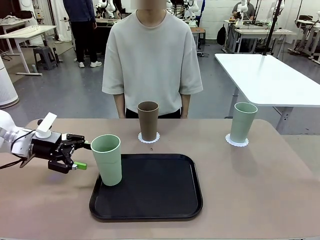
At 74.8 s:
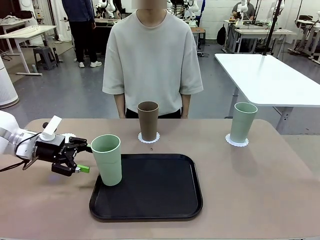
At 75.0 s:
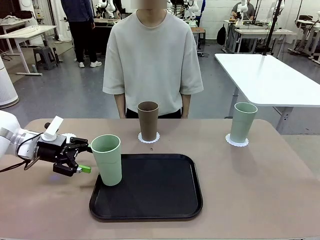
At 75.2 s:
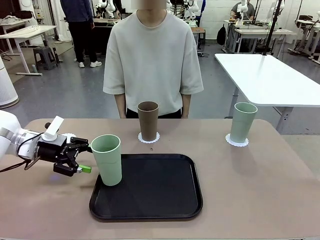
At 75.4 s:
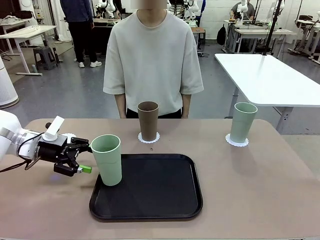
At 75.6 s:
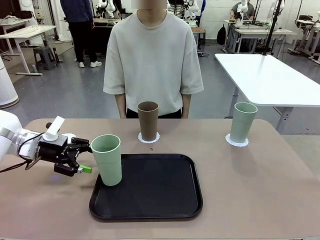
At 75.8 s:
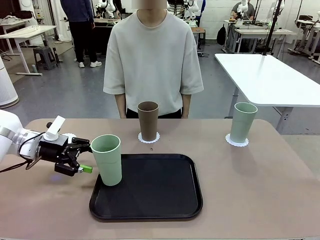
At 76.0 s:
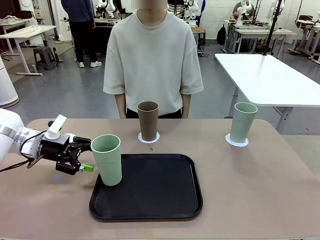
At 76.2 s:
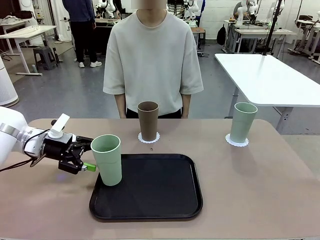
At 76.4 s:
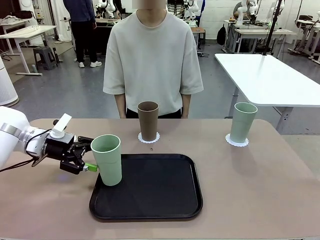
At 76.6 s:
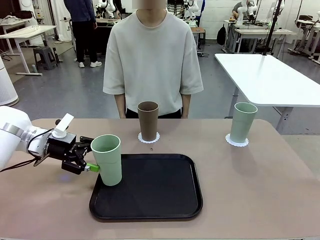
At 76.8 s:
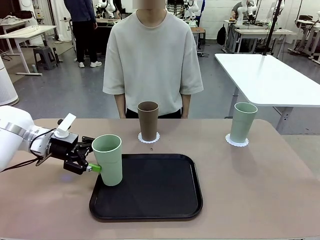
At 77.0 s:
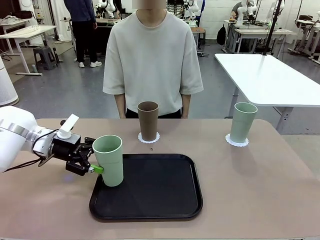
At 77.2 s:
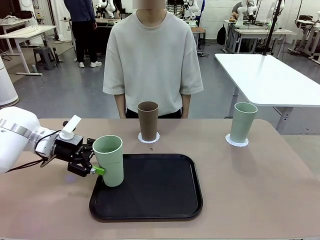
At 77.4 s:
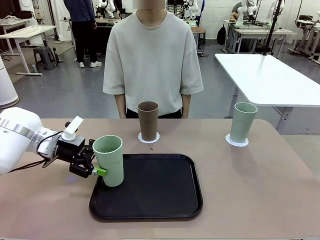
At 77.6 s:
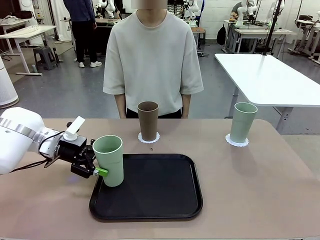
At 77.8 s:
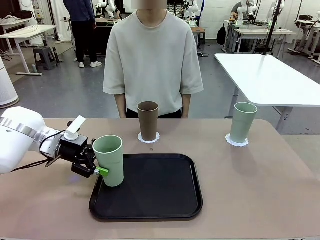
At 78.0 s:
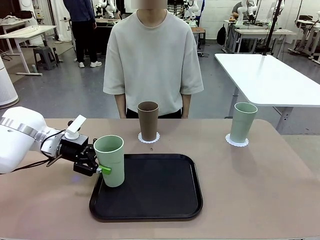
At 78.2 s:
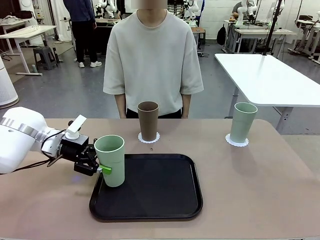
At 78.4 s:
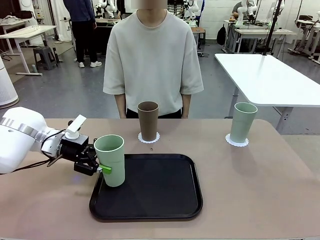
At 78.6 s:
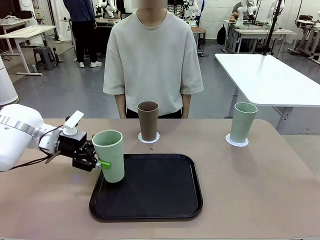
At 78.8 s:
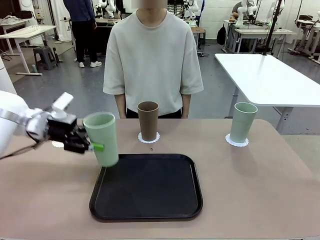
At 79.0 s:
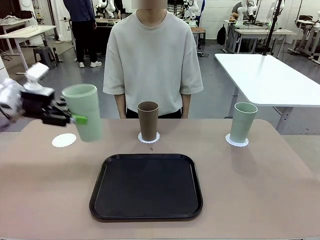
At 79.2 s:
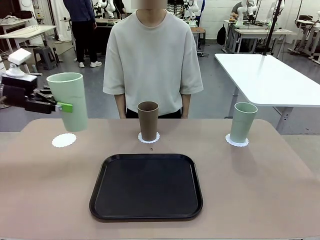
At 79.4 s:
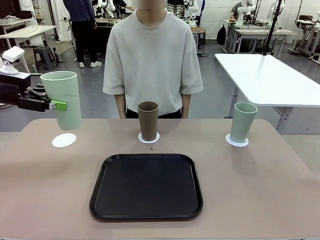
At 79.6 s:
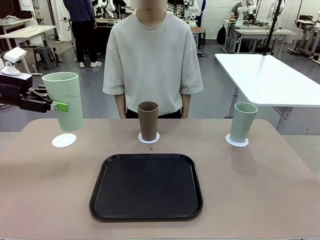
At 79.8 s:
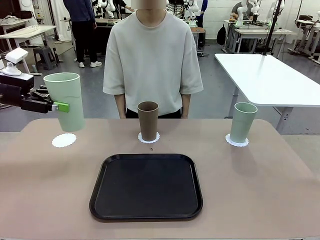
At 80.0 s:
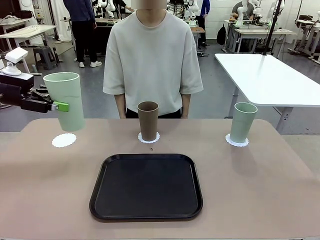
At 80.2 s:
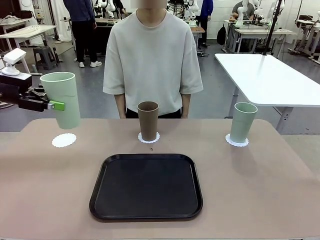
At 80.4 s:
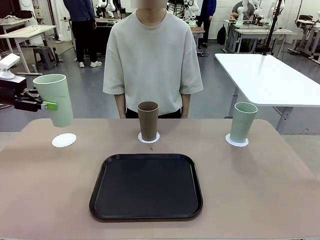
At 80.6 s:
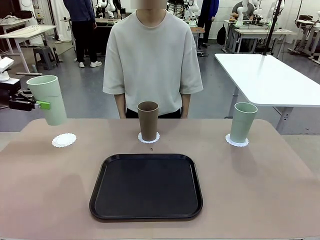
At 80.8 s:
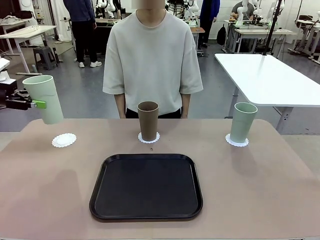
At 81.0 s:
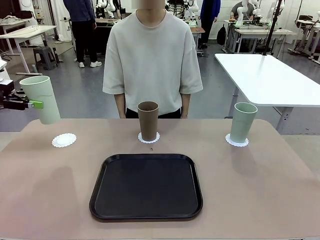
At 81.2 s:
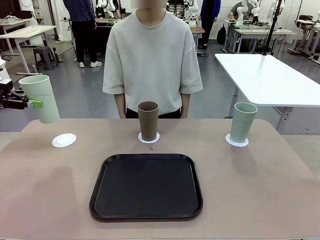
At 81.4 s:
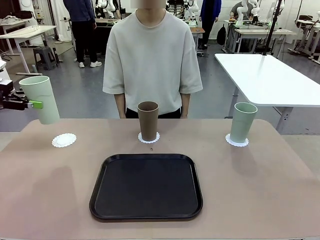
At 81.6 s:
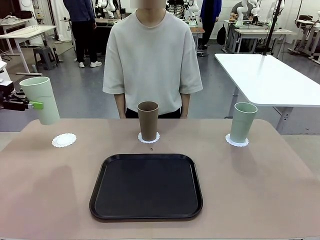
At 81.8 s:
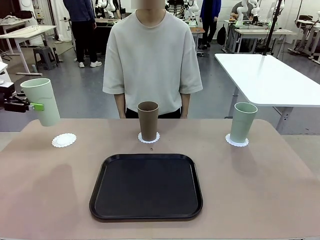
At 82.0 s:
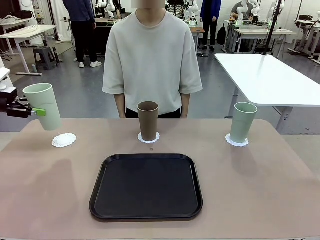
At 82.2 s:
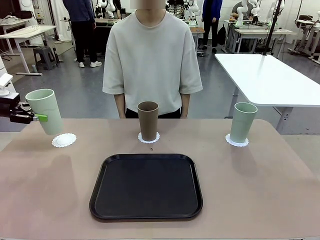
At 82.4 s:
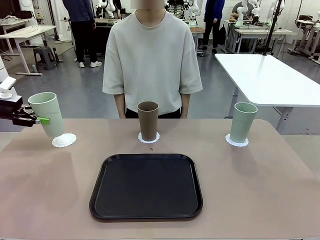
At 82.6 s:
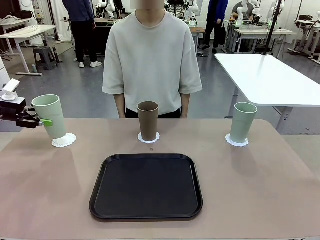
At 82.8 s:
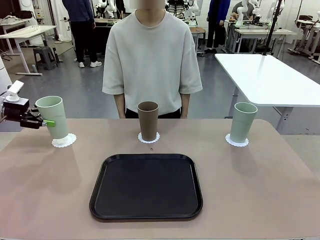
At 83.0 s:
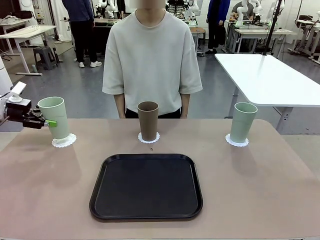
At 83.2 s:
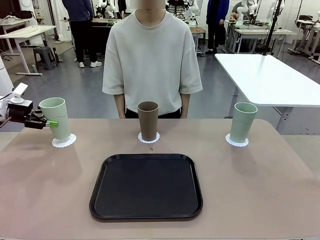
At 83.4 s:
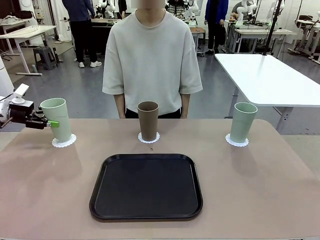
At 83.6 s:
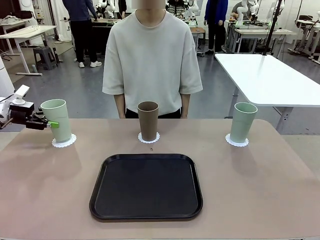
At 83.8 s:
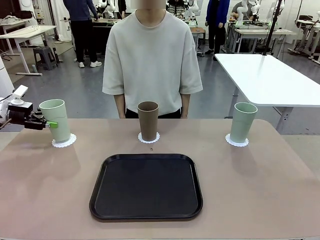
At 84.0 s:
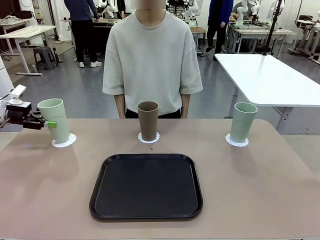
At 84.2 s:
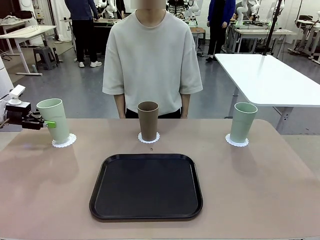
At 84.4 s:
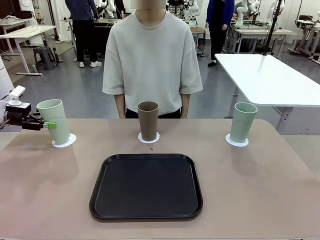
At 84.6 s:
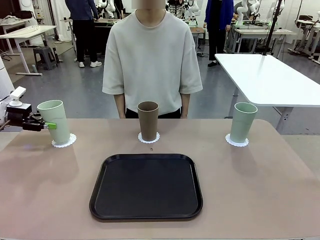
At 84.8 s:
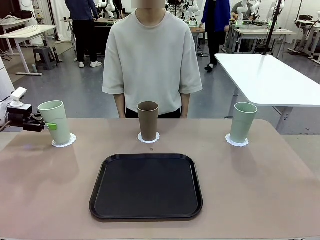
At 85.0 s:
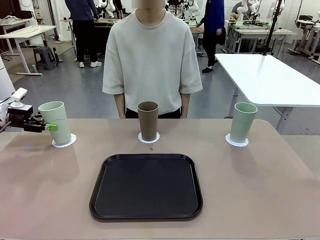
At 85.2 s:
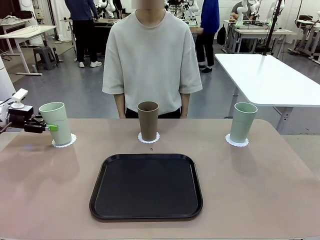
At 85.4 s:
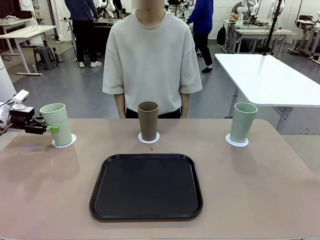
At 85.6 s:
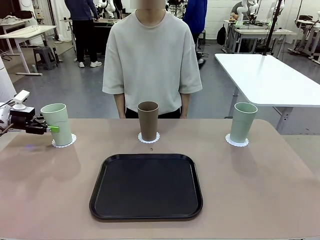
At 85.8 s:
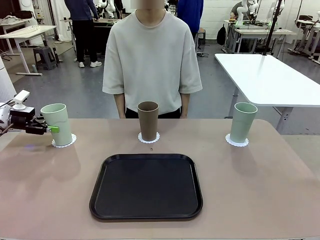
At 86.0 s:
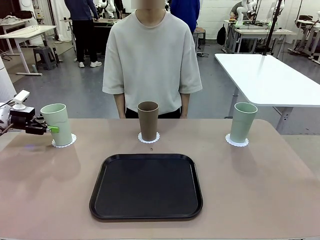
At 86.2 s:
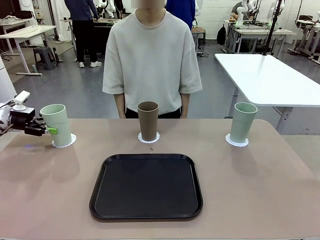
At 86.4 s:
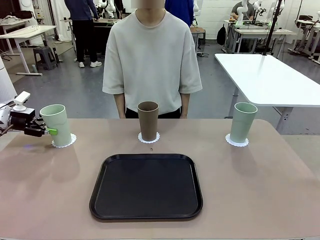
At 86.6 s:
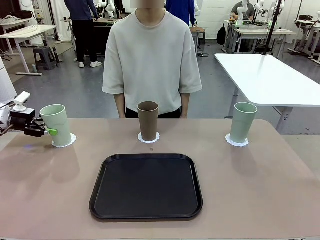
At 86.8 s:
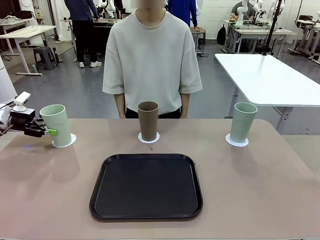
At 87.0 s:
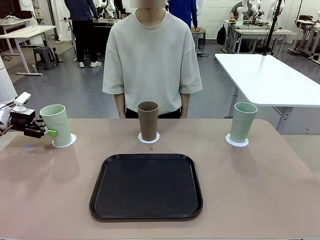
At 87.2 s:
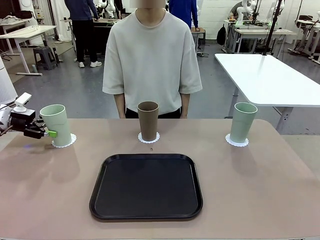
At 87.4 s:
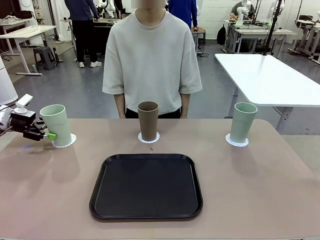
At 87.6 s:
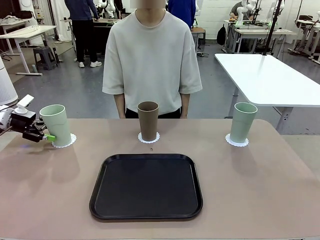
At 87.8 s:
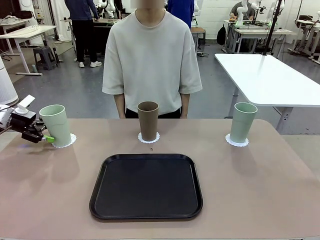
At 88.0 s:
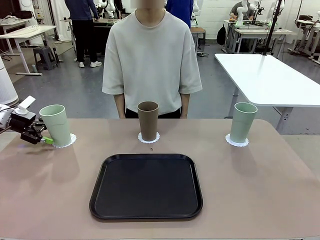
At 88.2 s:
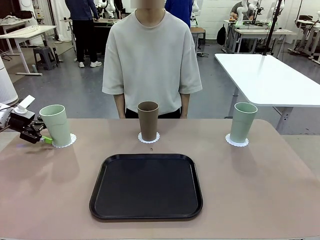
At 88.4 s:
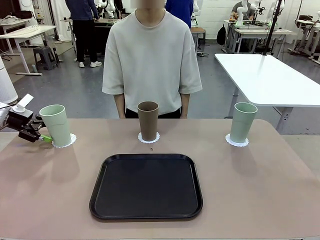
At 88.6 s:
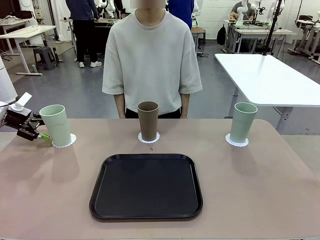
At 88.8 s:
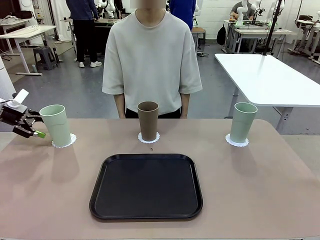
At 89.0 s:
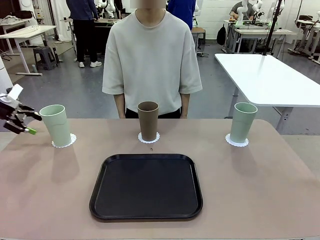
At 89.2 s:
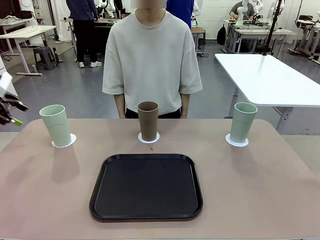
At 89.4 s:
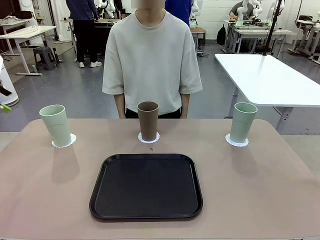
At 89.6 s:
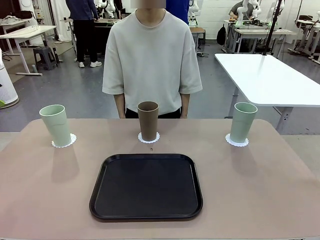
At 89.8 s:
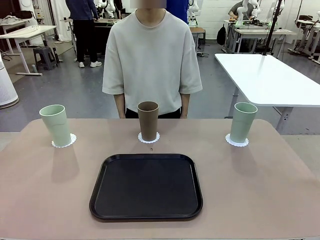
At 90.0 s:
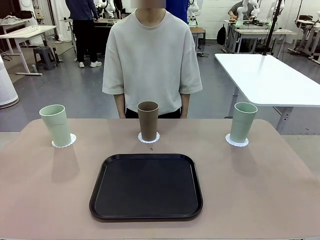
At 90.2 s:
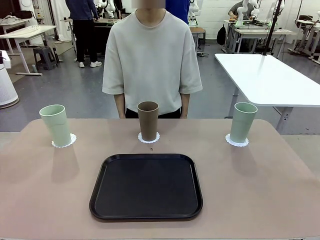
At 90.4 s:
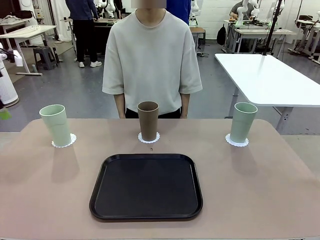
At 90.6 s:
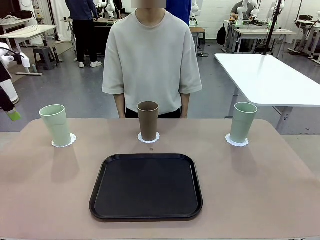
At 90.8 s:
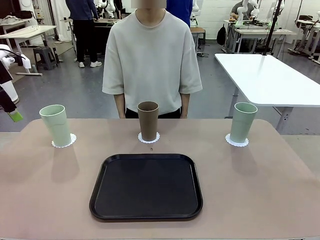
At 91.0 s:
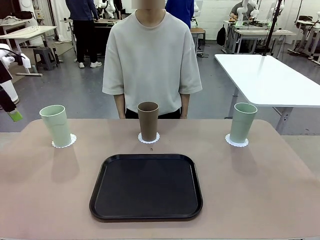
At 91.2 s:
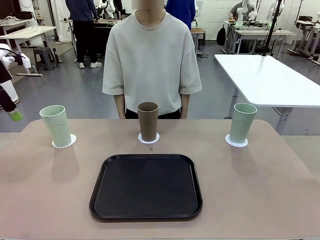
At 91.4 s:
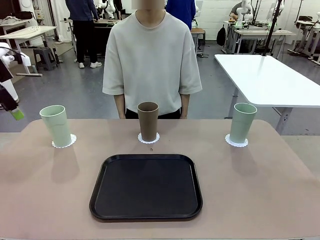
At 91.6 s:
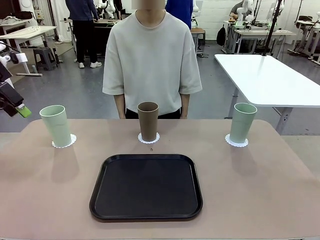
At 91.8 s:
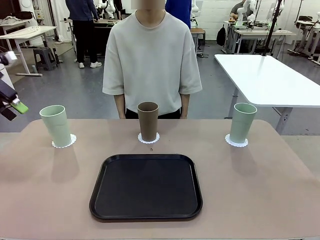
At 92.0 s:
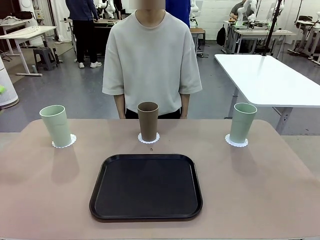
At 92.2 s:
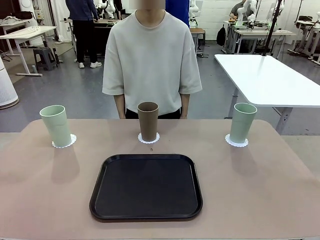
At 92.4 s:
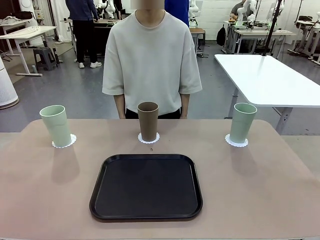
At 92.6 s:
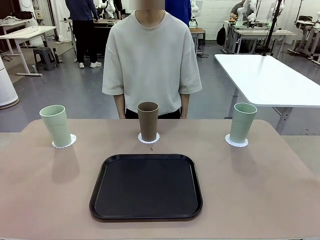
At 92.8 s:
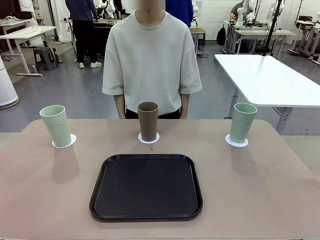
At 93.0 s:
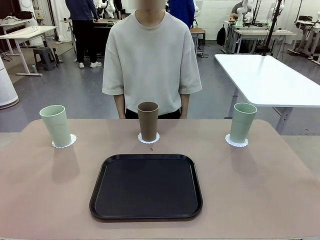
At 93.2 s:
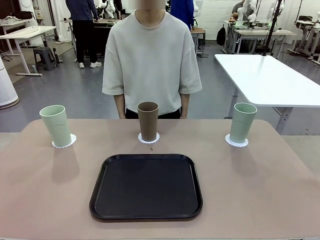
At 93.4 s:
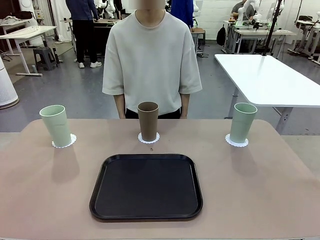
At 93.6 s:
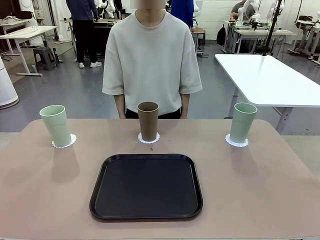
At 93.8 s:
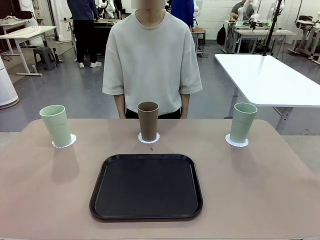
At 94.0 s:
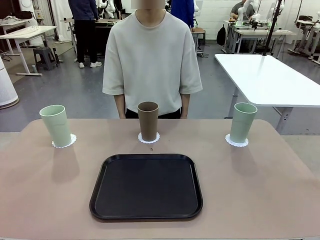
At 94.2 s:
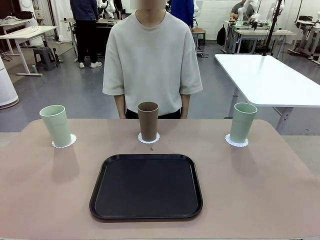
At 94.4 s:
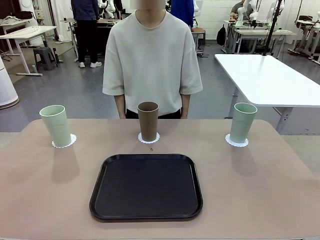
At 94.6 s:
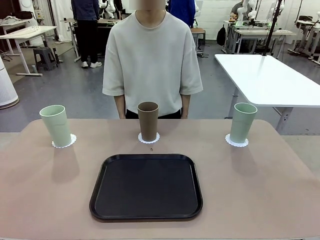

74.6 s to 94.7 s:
Task: Place coasters on the table and set cups on them.
Robot: Take one Reusable plastic cup from the Flat Tray and place it on a coaster set by the human.
